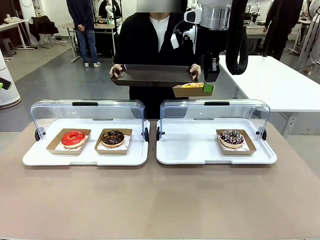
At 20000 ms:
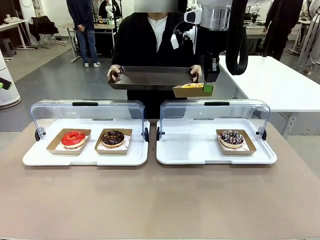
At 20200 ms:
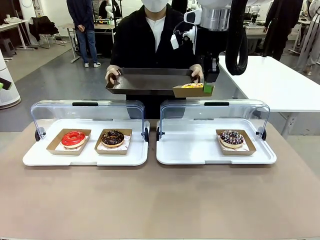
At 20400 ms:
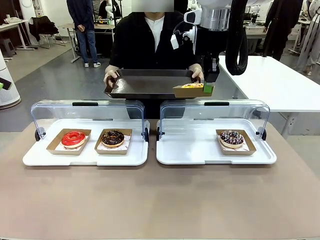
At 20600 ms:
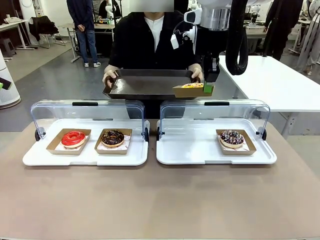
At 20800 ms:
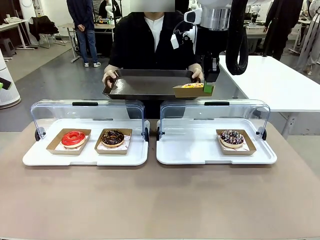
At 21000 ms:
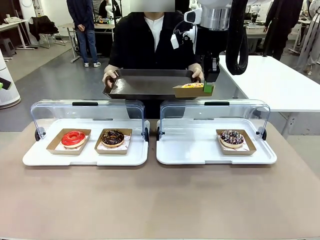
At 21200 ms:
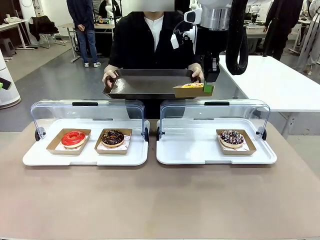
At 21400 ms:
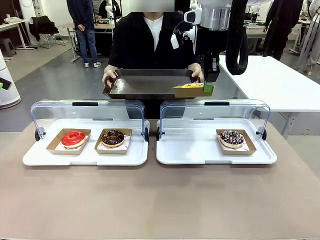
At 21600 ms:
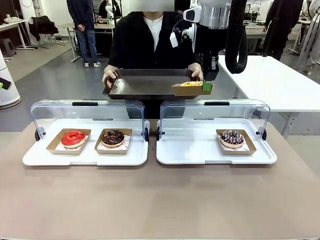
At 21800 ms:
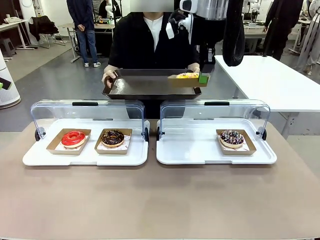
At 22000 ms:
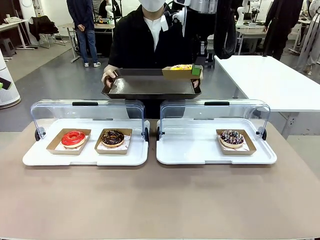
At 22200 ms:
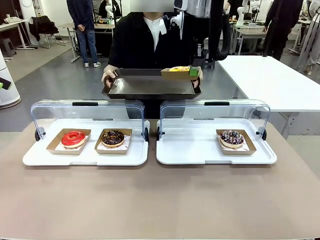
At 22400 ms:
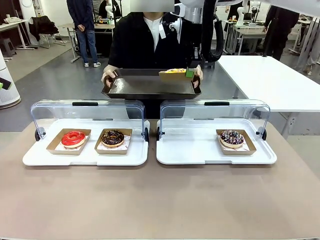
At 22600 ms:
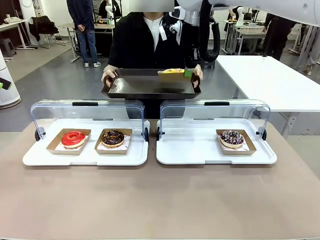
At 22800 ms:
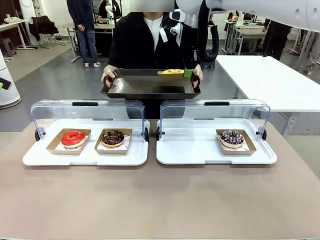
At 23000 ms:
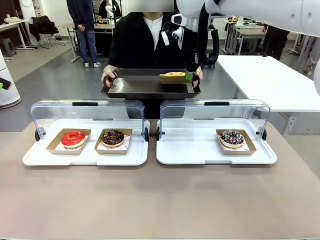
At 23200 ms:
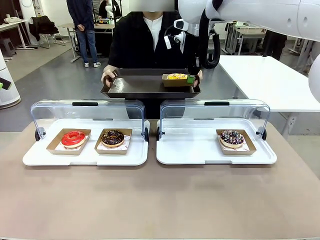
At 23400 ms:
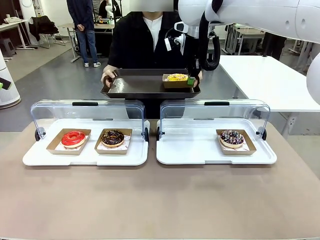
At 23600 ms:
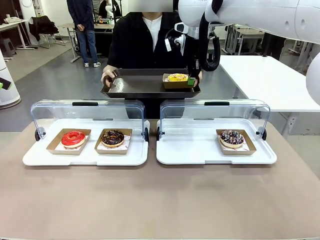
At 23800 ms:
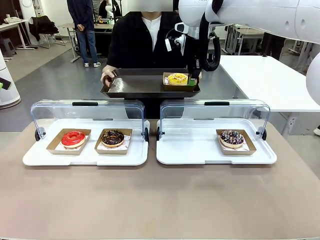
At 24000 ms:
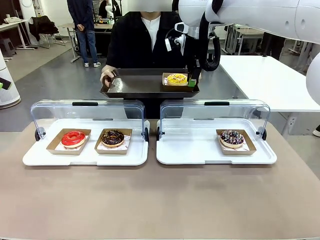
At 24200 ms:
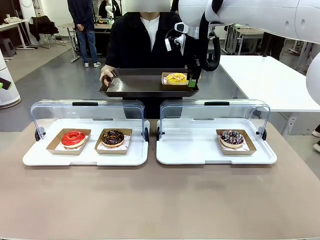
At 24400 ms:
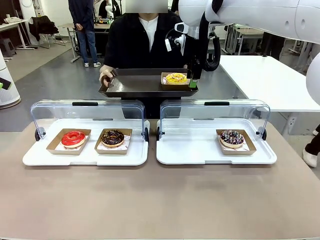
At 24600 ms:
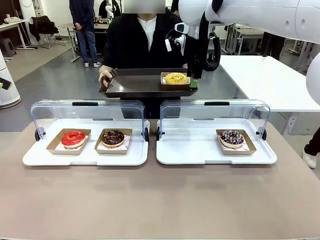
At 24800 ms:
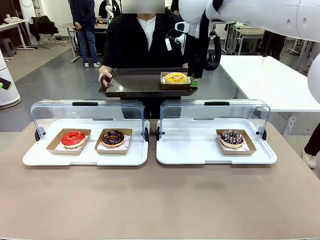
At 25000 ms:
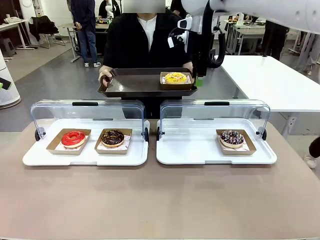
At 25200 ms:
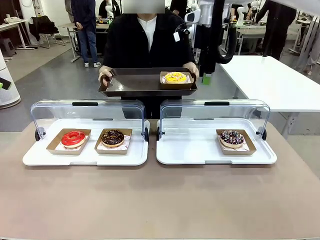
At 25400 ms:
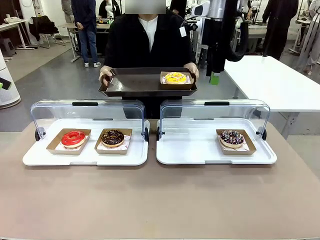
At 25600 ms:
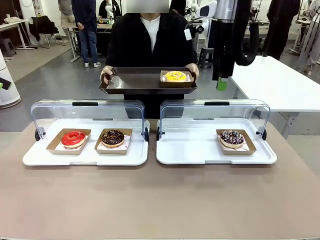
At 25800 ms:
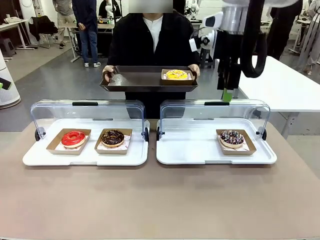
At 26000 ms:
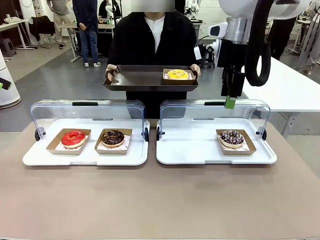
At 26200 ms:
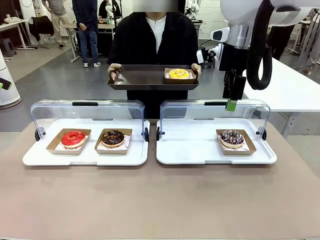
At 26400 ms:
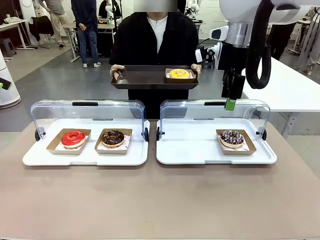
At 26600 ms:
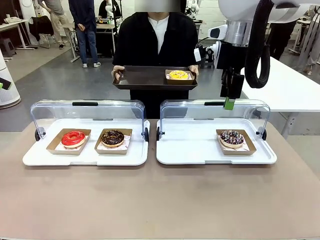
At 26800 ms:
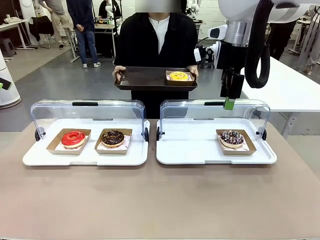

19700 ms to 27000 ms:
Task: Provide the desired donut to the person.
Robot: Place the picked Paper togo box onto the Handle tray extended by the person.

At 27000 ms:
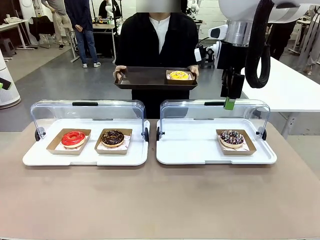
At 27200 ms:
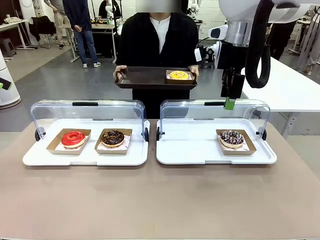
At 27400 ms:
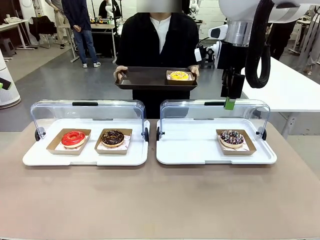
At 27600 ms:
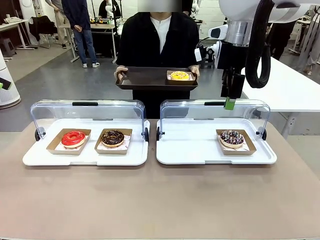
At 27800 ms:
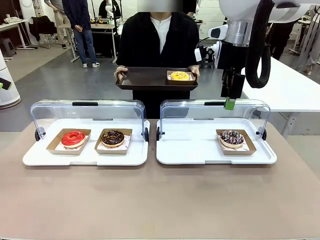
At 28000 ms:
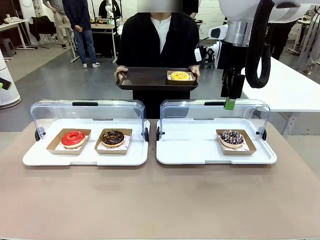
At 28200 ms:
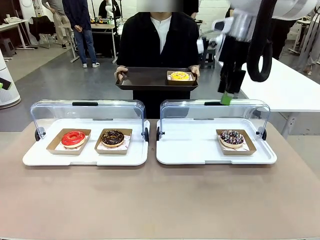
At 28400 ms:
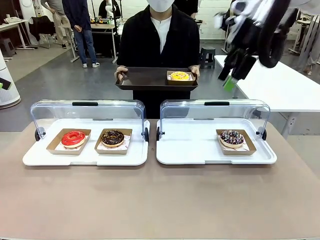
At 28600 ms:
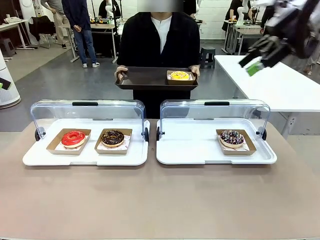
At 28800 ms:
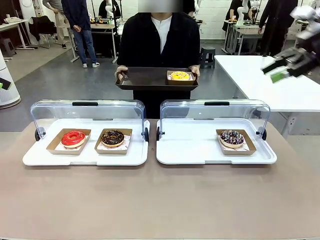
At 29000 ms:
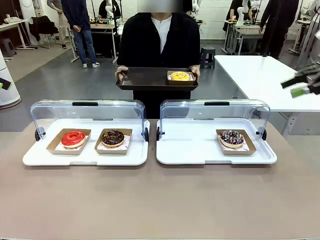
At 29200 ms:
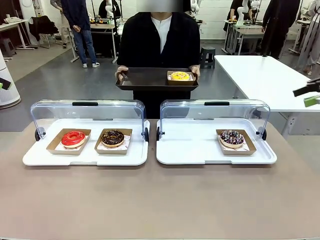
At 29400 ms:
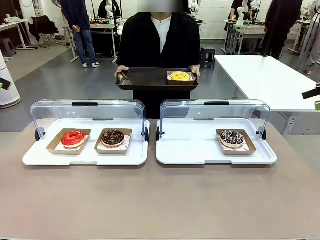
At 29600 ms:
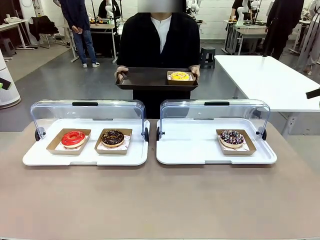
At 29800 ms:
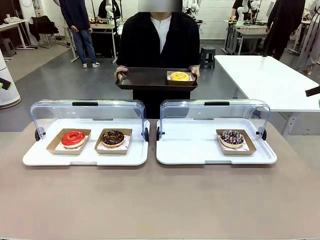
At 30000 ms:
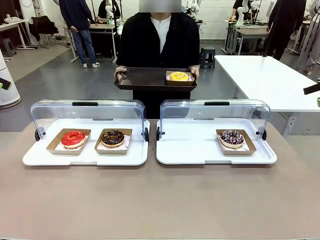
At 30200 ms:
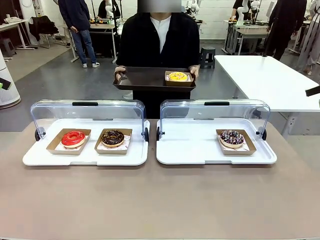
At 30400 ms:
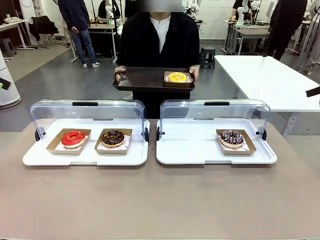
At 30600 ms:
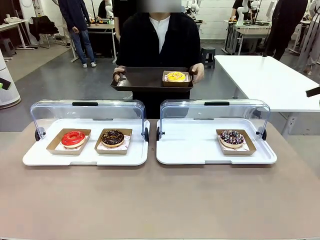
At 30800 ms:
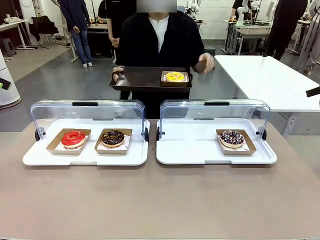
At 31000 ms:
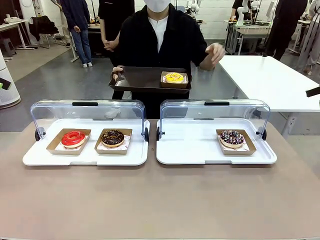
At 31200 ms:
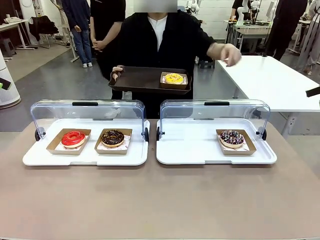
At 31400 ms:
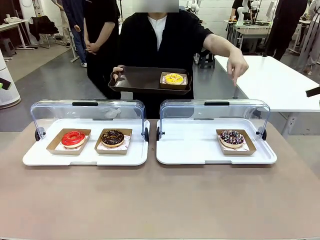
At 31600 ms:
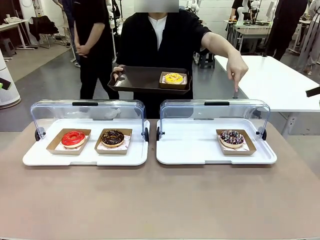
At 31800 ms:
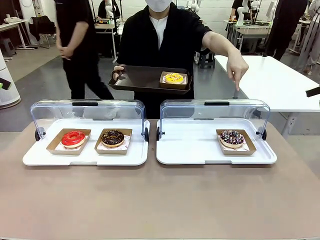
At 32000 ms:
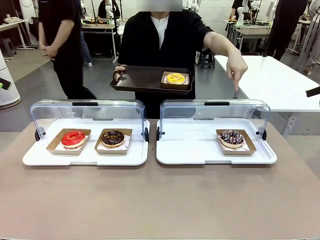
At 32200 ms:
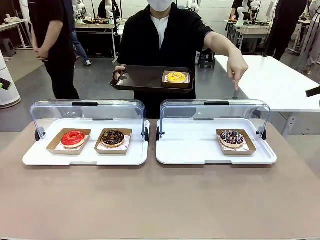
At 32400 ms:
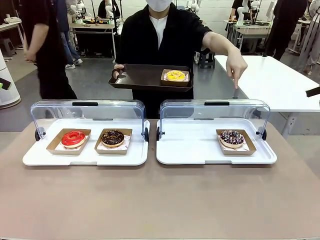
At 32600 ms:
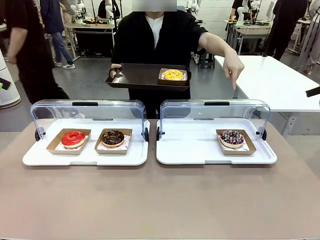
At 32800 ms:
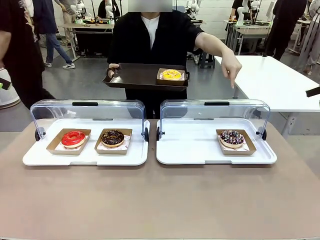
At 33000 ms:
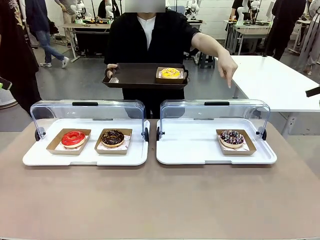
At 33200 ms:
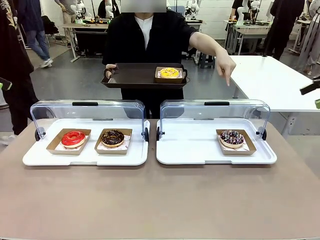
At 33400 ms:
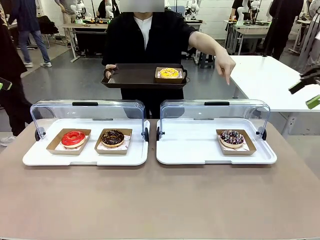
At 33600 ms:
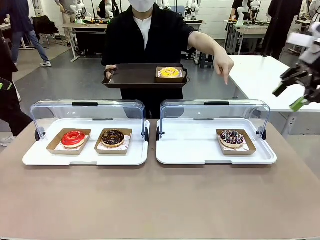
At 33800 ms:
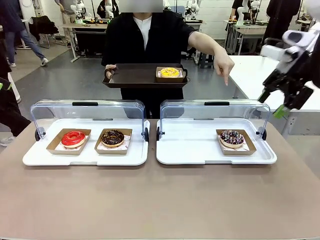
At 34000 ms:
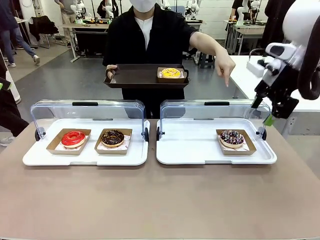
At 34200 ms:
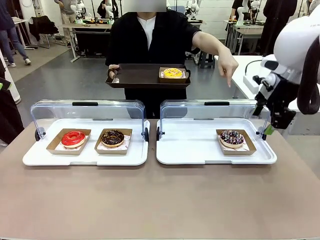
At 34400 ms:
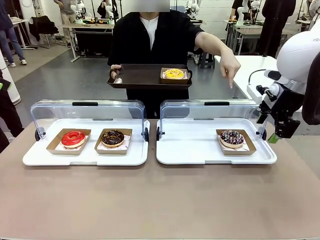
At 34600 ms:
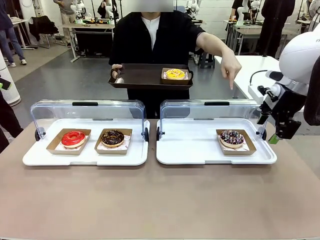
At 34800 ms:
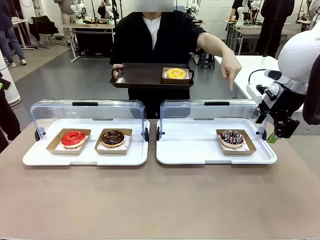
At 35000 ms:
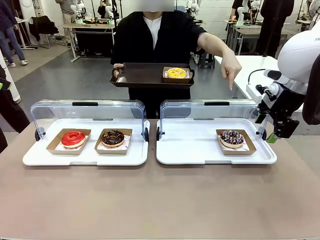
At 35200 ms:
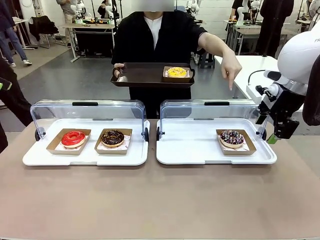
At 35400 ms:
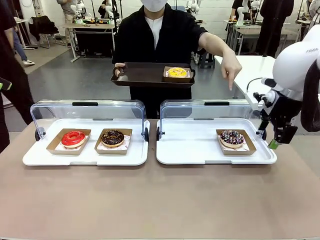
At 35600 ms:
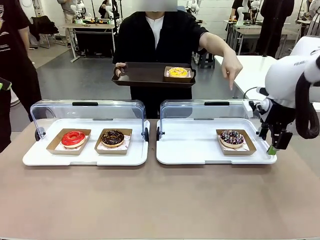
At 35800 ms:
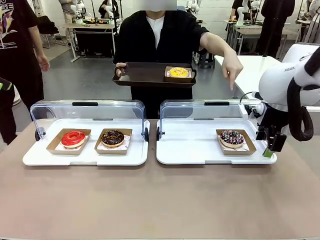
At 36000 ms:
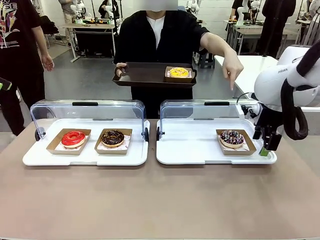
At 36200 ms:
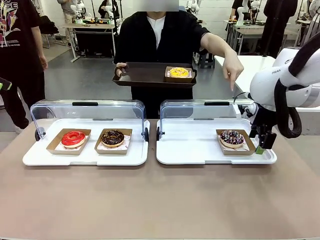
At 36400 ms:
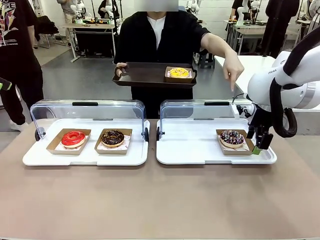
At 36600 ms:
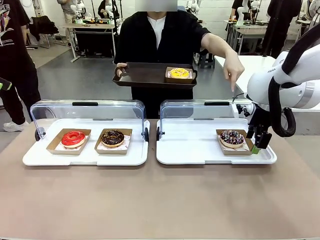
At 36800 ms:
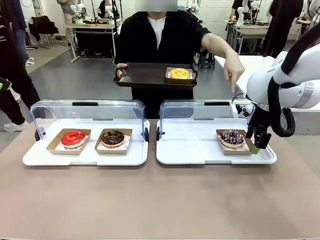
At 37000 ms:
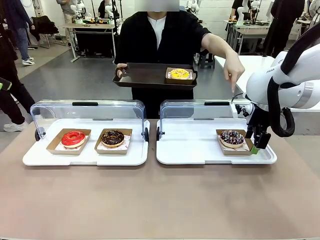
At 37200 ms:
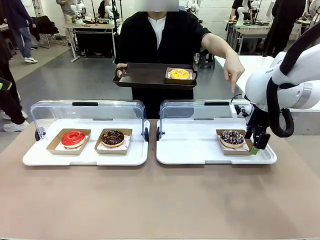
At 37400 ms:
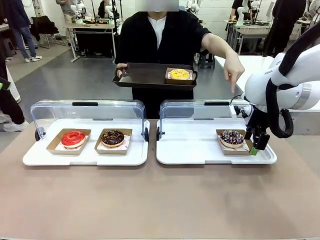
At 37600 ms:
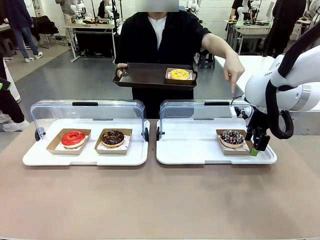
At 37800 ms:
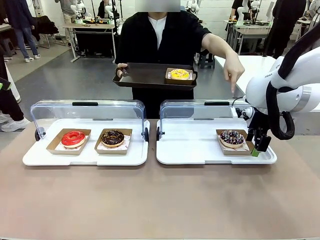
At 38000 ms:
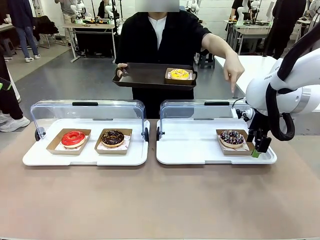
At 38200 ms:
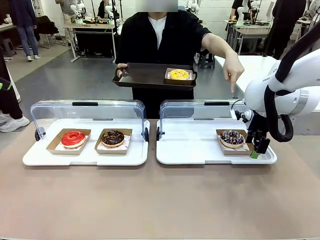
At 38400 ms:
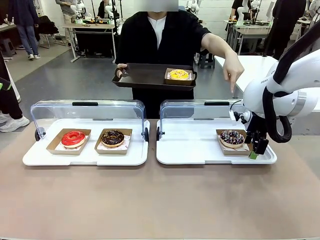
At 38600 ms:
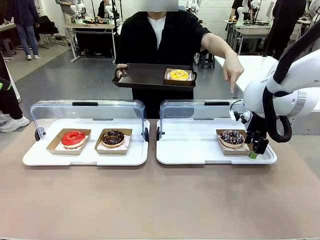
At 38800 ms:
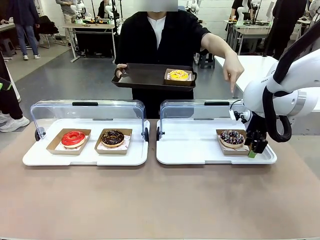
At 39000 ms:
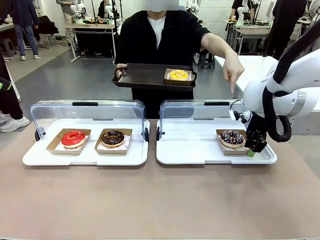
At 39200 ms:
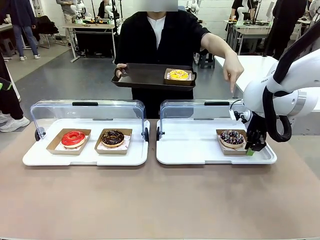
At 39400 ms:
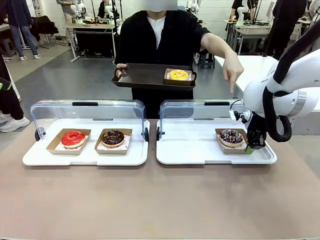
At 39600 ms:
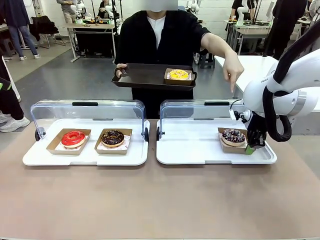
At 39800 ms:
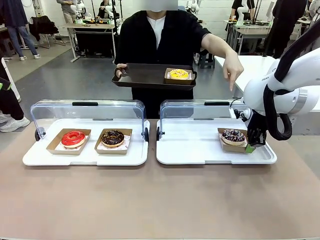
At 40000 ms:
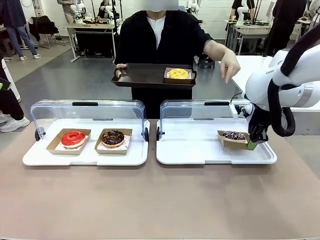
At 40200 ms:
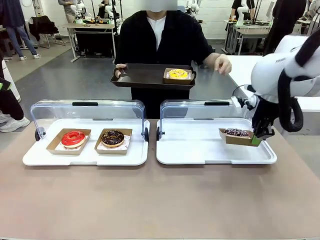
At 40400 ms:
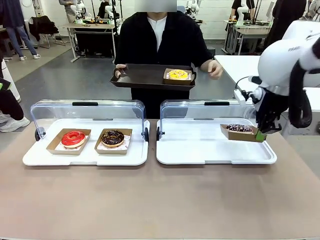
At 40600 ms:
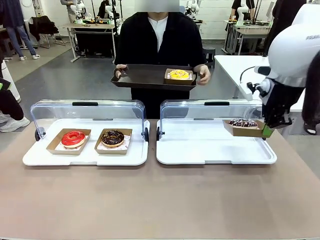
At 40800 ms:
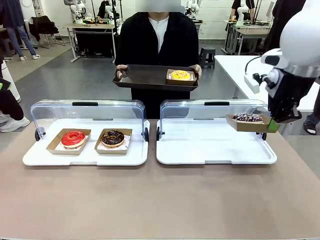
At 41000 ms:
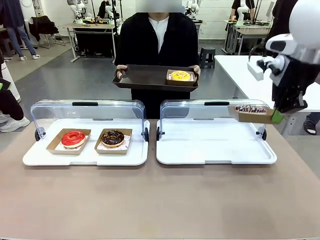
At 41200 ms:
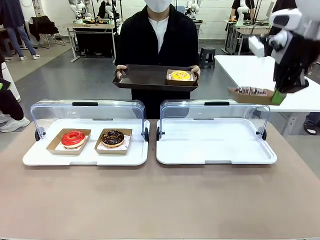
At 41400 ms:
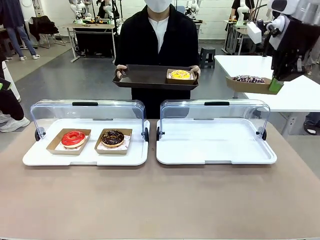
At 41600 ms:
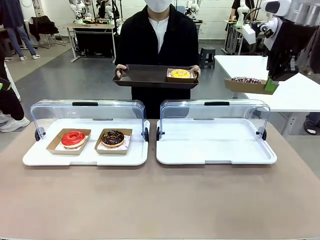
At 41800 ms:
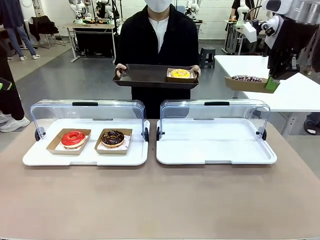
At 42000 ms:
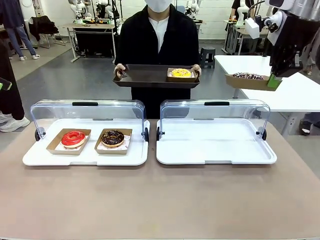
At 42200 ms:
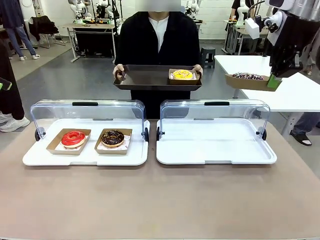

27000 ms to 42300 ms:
Robot: Pick up and lift the Paper togo box containing the Donut pointed at by the person.
Person: Point to one donut. Lift the tray onto the Roll-Top Bakery Case.
